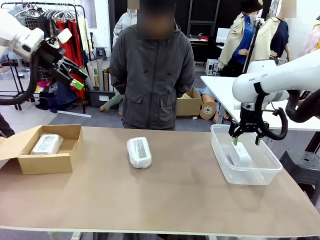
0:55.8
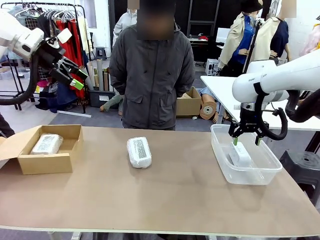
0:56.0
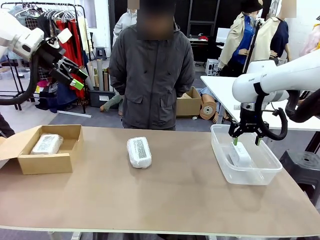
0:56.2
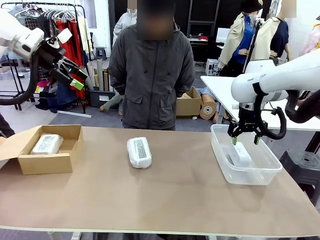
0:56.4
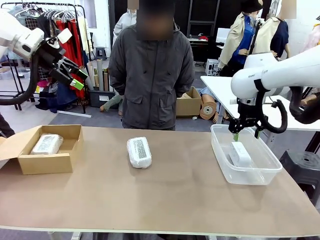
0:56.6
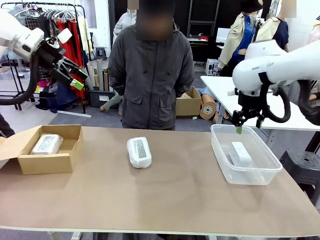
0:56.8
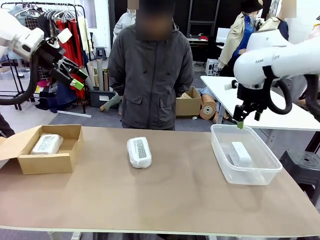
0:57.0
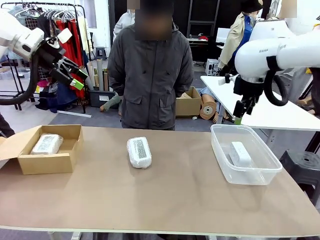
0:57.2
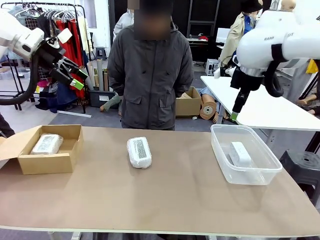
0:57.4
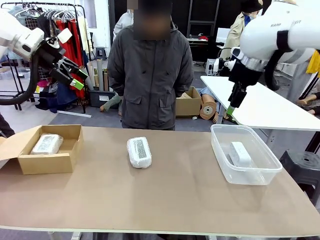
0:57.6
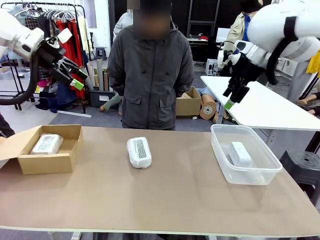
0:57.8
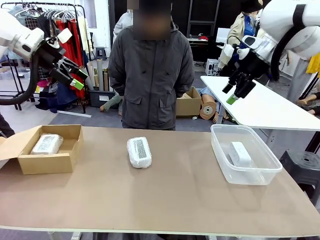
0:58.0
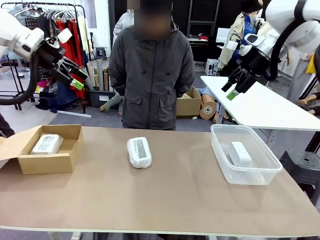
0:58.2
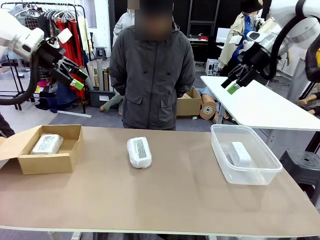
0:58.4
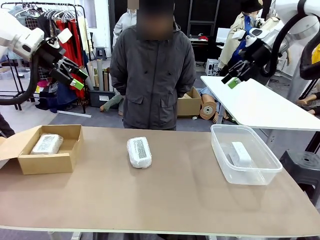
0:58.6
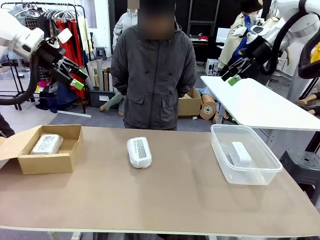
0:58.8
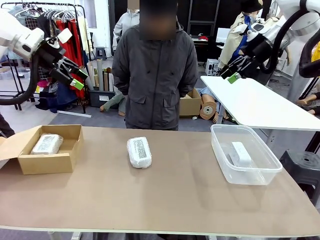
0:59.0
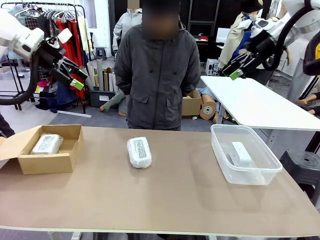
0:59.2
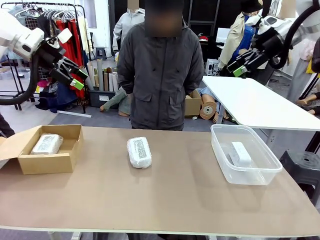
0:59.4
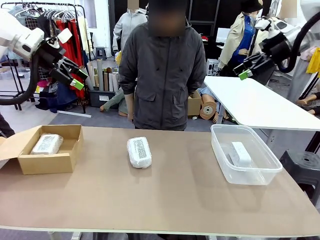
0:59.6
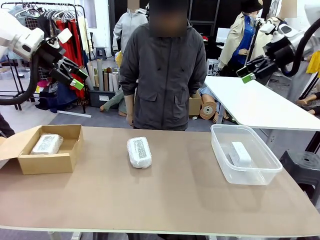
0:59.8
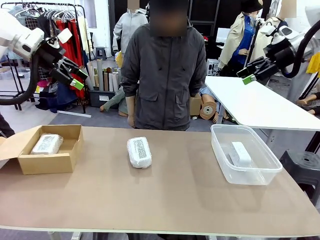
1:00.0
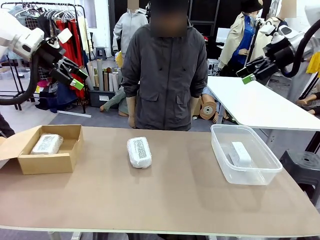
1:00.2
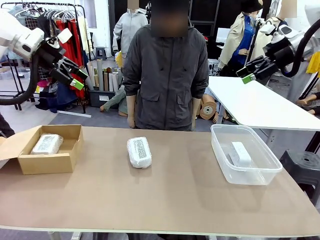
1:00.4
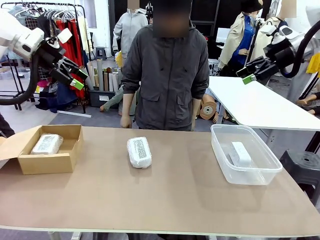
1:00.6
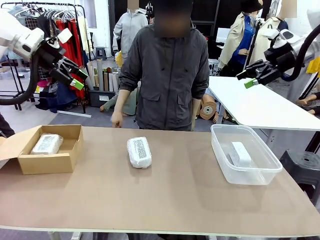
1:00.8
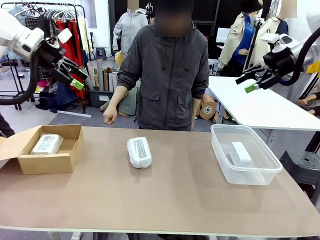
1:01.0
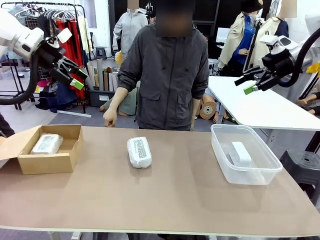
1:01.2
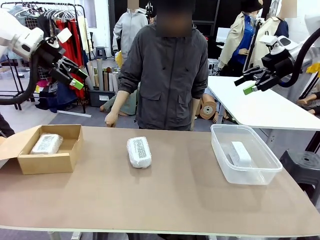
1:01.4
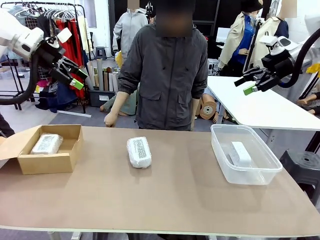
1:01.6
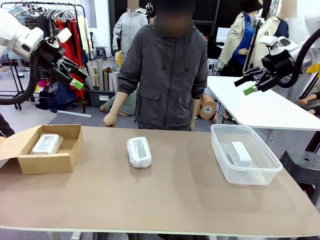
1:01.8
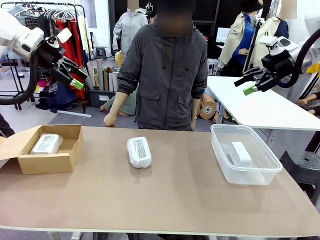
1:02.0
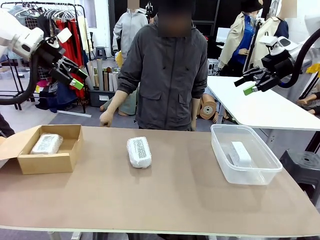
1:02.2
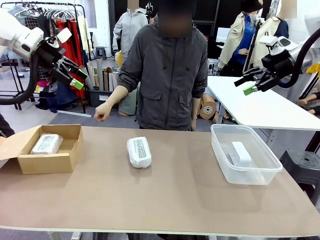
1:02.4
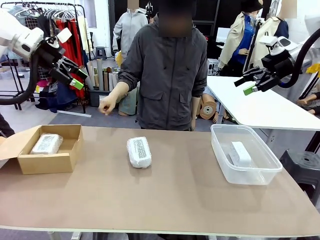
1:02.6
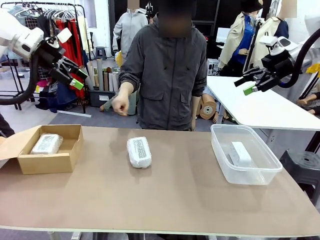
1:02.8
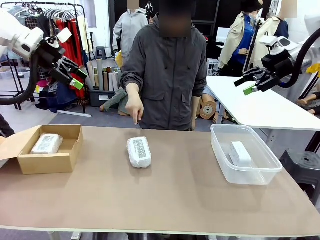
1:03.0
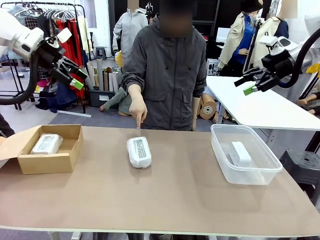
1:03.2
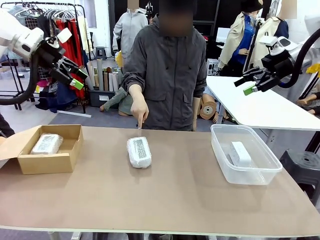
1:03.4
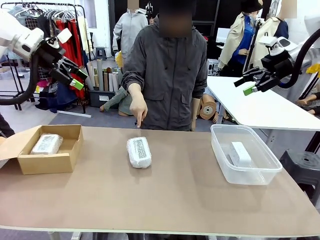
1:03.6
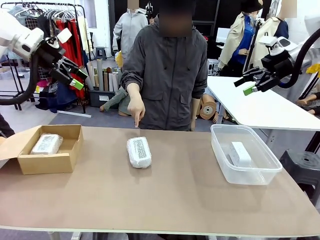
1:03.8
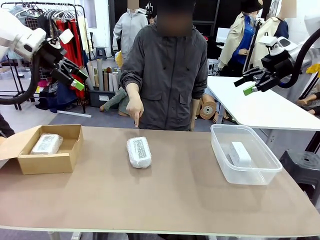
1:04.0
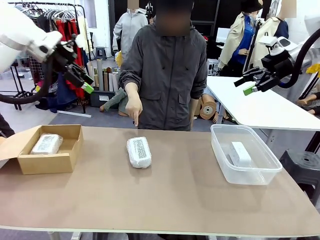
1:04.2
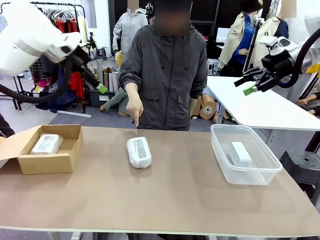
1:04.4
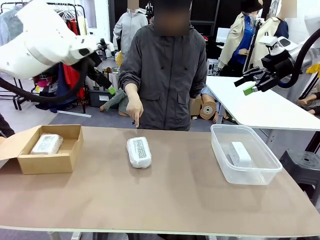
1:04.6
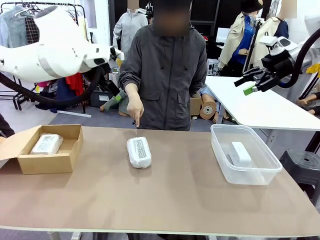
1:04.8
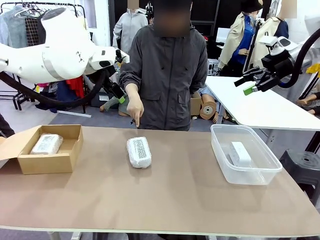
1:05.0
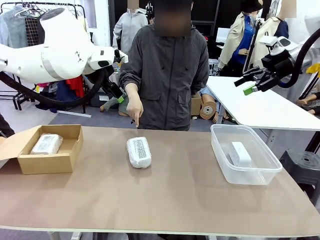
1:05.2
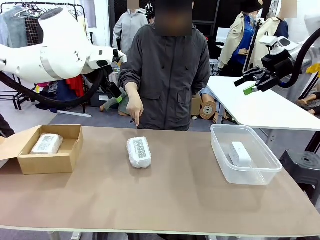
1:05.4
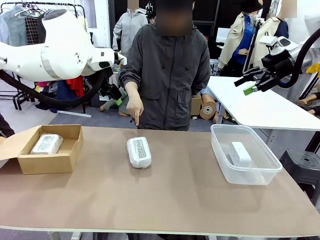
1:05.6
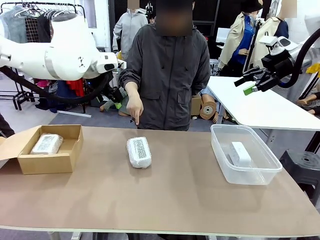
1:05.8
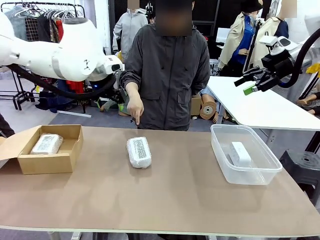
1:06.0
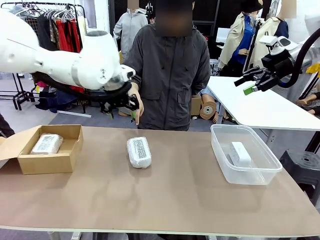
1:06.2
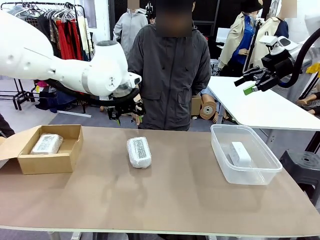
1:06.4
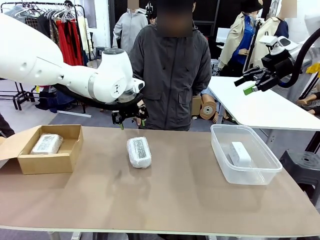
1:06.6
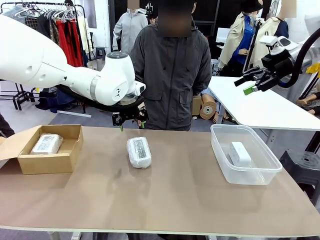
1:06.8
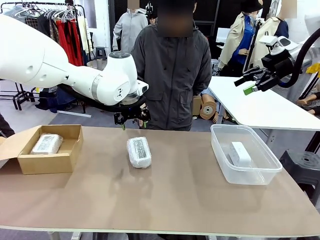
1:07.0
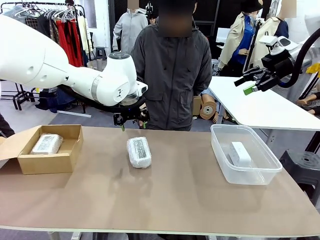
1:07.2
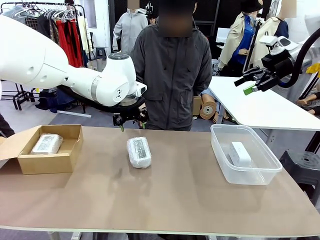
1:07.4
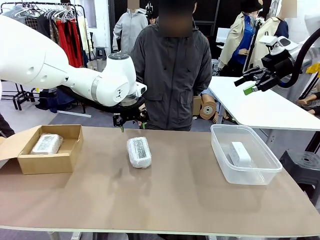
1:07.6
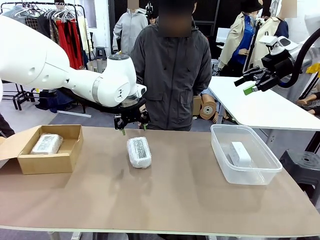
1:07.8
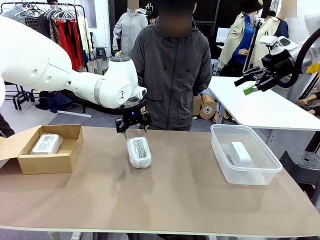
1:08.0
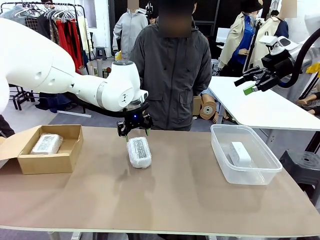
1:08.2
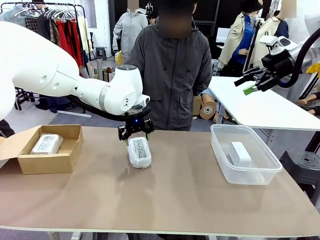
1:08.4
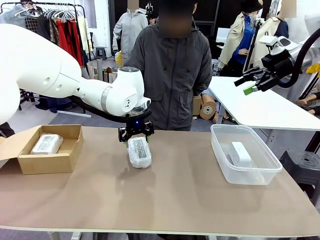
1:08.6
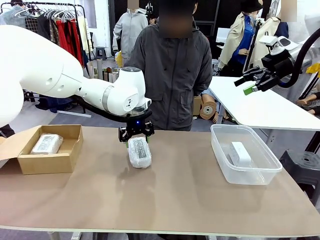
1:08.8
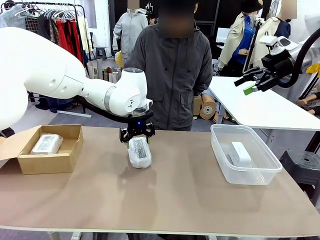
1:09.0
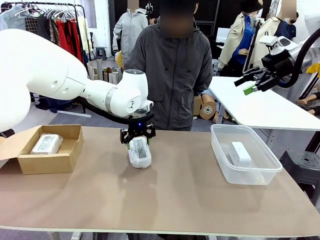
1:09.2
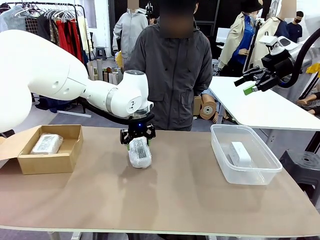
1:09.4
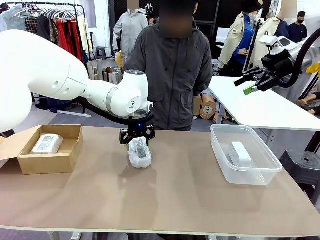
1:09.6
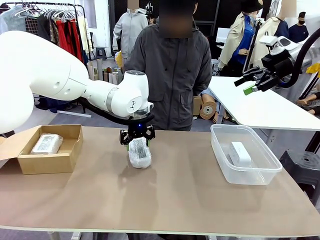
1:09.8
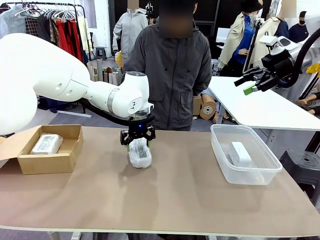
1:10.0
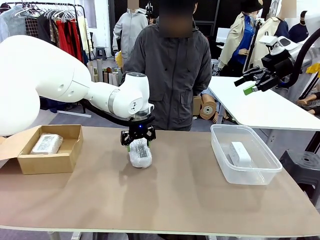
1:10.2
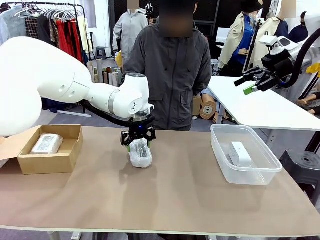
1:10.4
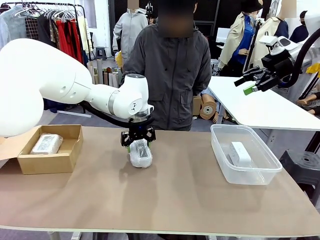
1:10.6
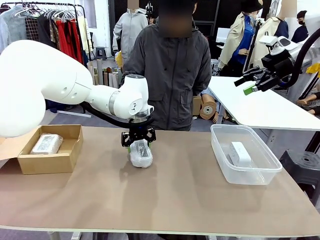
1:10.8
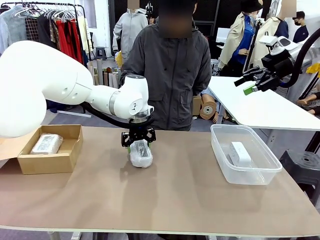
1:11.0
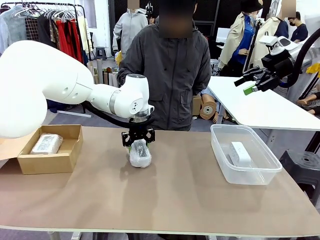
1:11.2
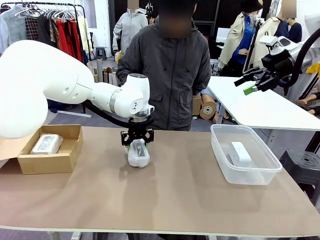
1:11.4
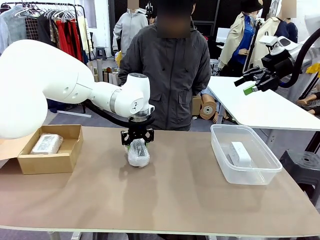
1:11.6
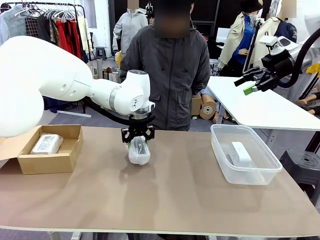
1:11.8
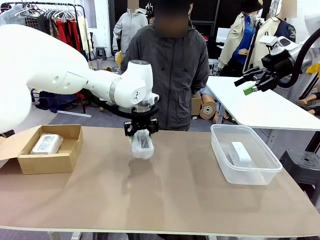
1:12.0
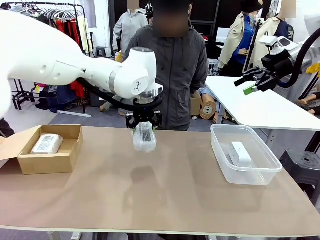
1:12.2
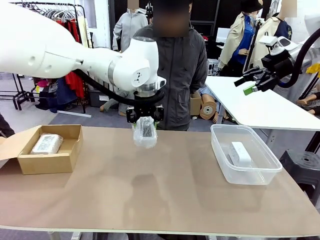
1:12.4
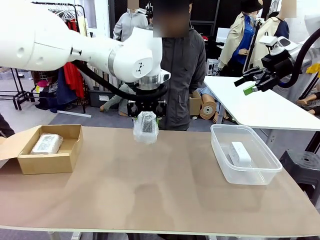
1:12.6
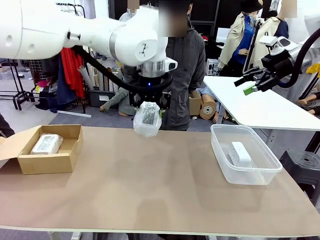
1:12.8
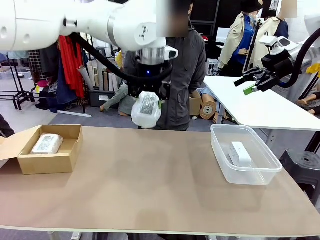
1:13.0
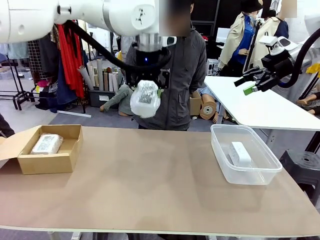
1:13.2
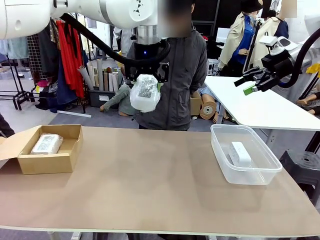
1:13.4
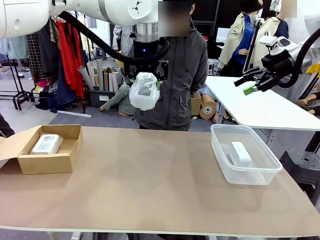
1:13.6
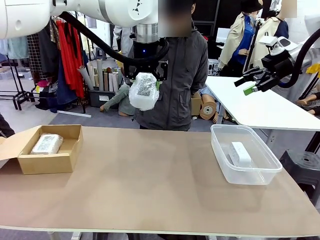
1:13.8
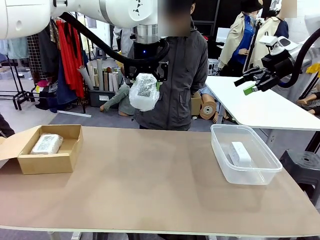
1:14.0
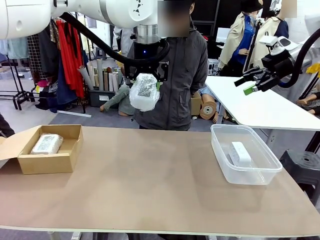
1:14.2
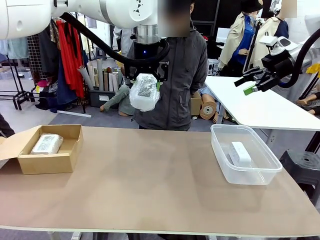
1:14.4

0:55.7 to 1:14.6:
Task: Separate and place wrapped and unwrapped clocks.
Robot: Pick up the Digital clock indicated by the person.
